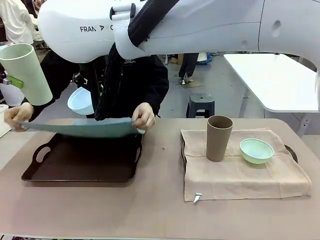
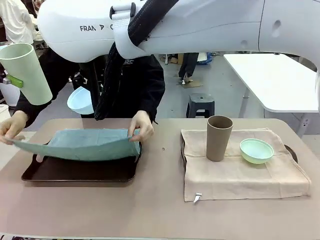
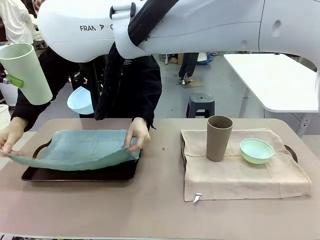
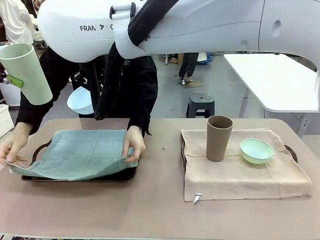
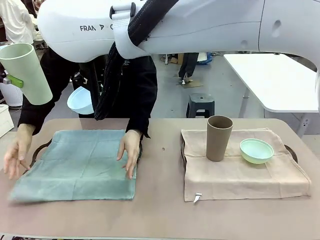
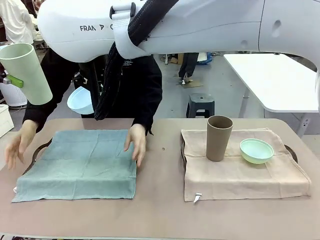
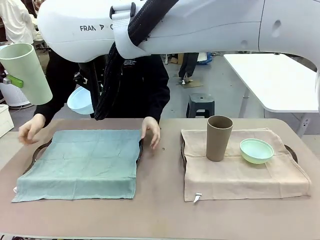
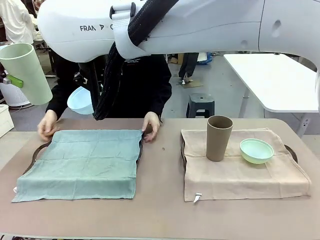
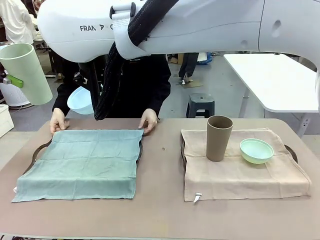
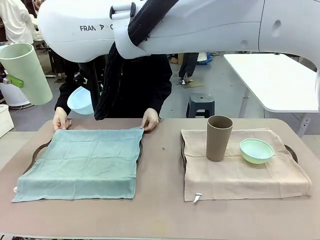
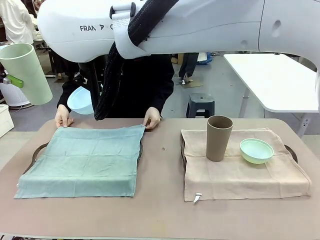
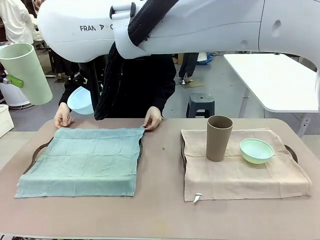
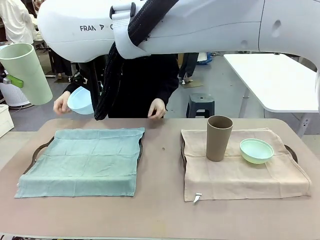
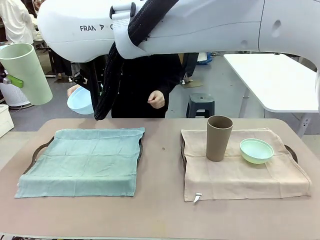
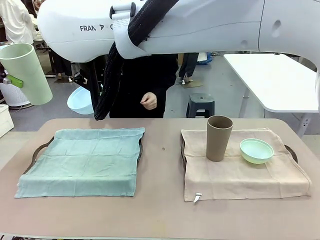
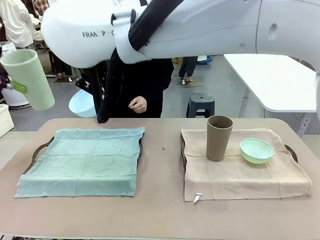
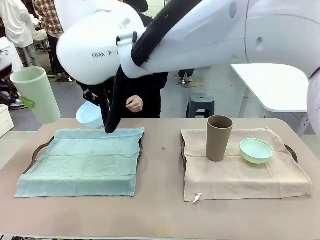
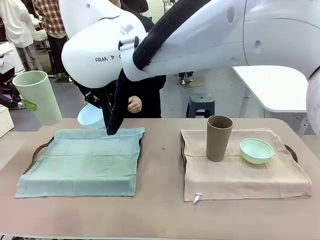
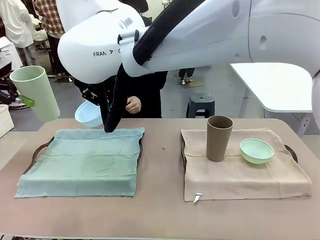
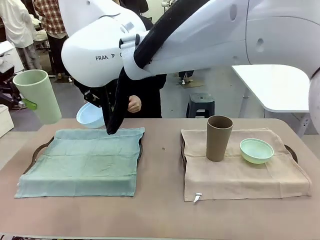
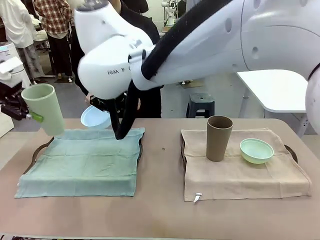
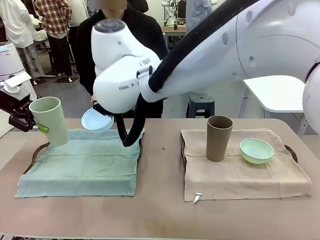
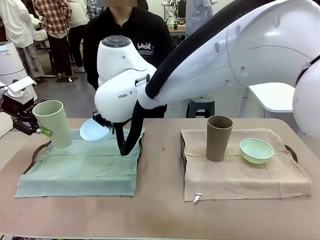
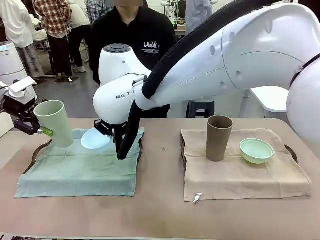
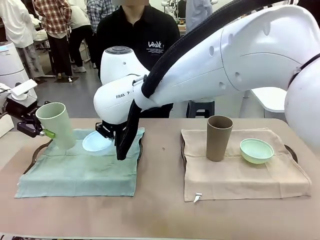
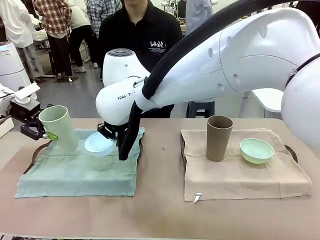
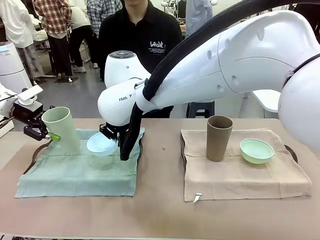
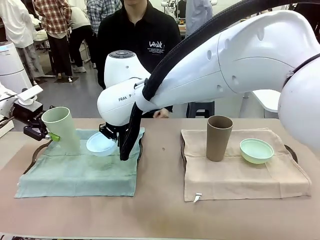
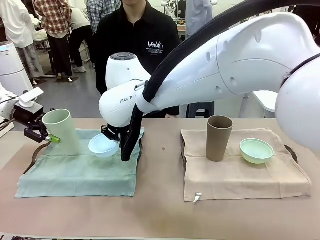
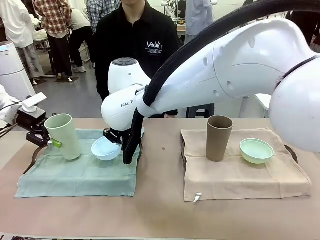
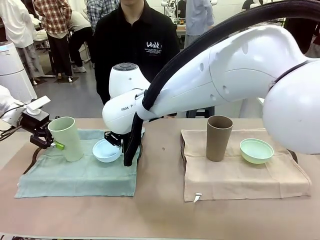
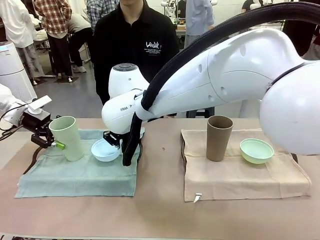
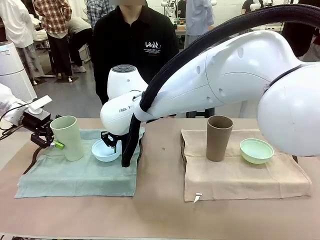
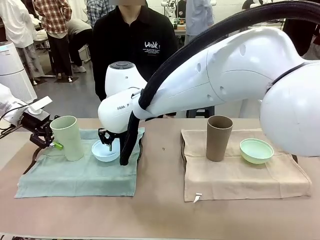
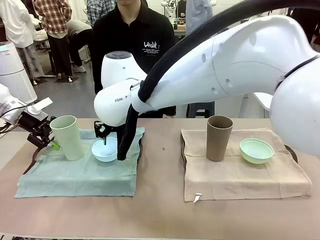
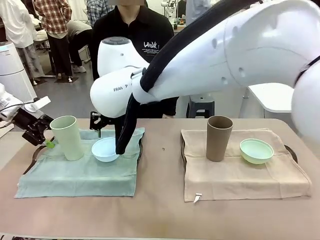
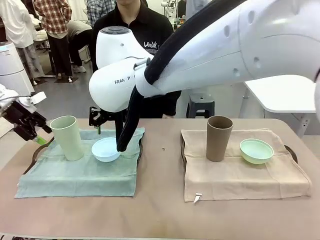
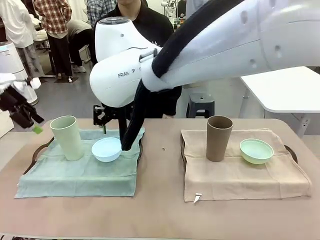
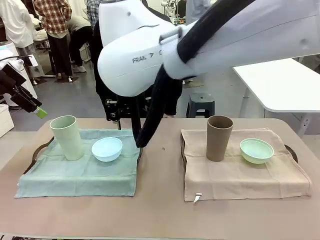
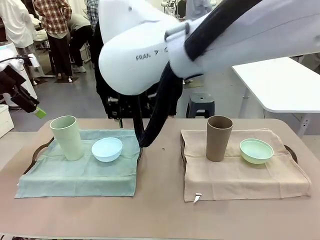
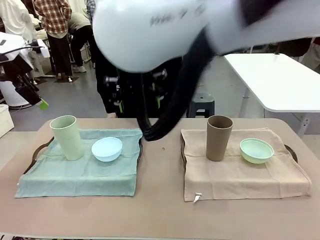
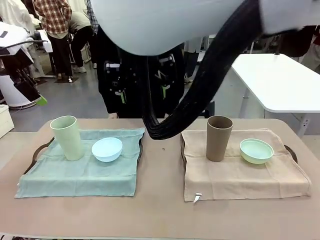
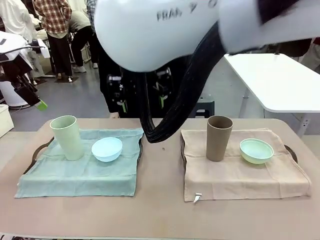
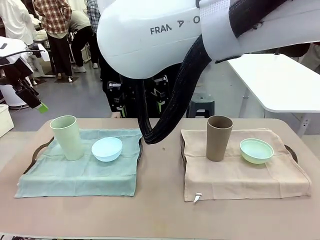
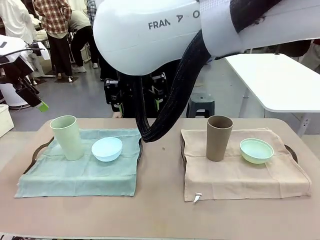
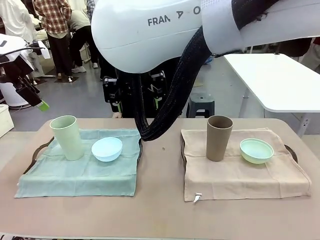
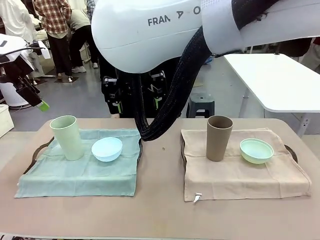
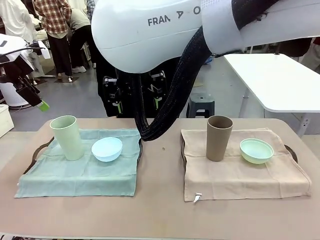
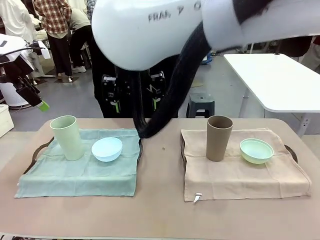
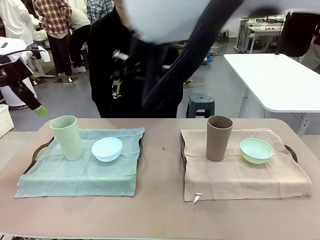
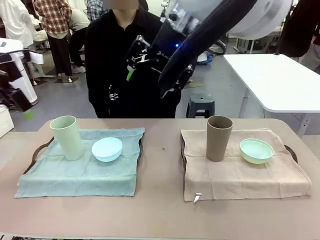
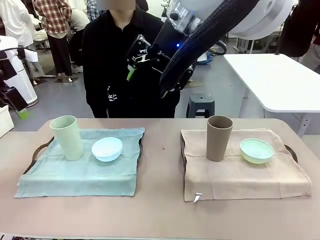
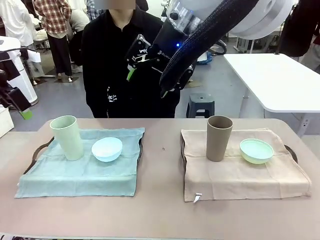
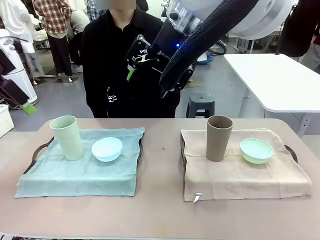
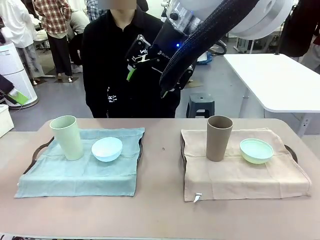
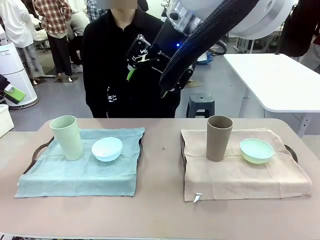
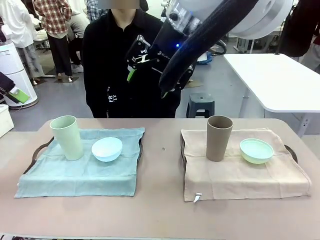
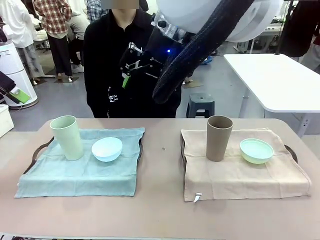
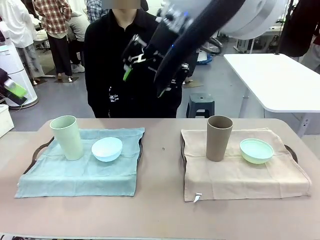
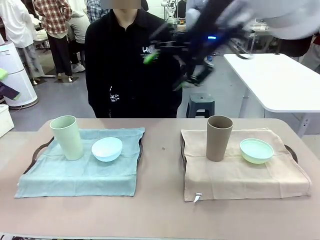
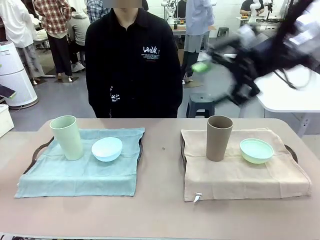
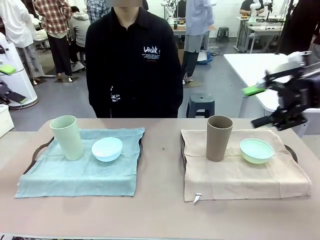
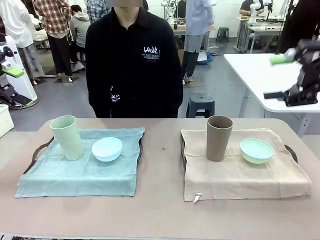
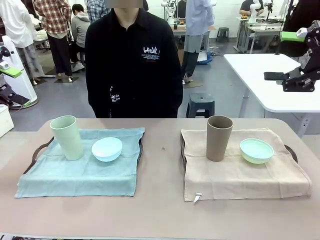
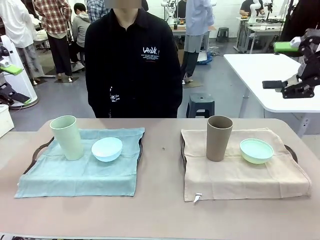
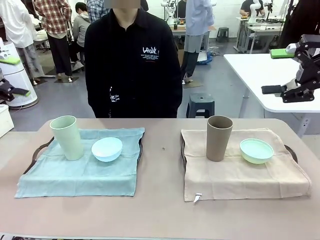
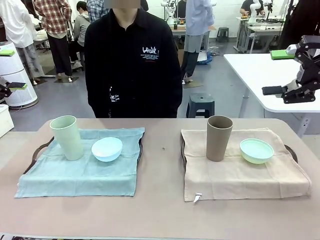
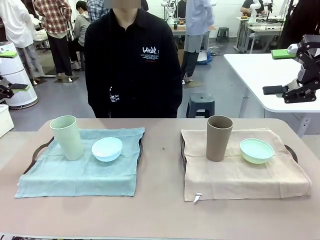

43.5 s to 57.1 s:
Robot: Place the Picnic Bowl and Reusable plastic cup back onto the Handle tray in front of the human's position.
Person: When the robot lifts the bowl and the cup, the human unfolds the napkin and lays the napkin flat on the tray.

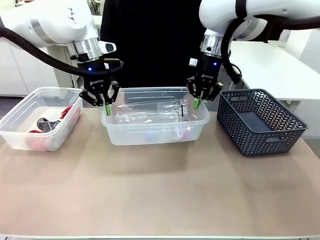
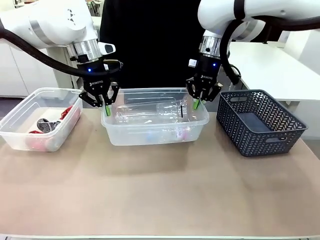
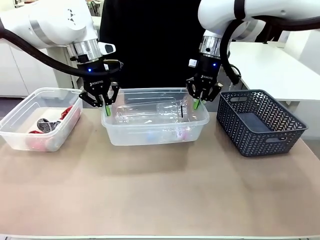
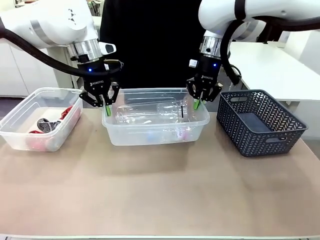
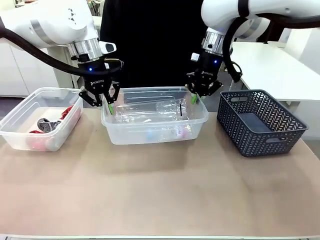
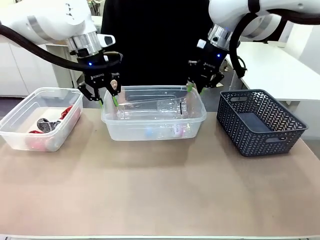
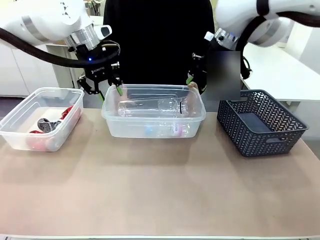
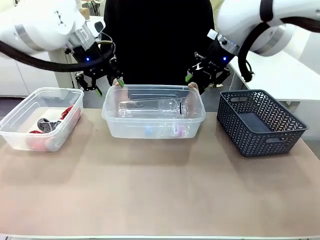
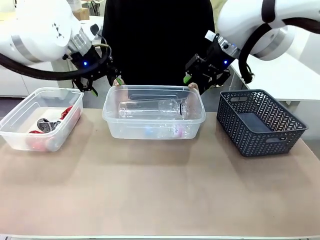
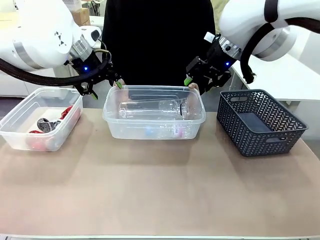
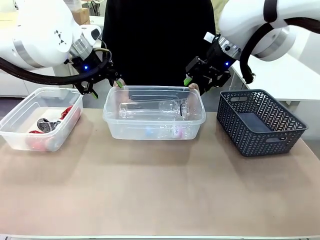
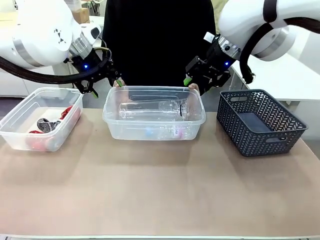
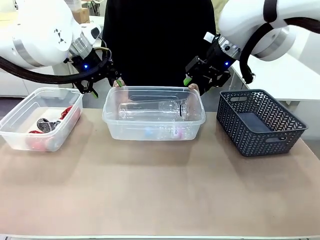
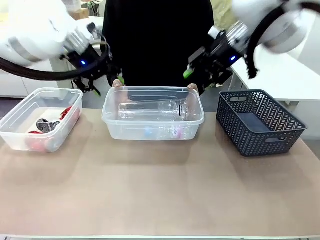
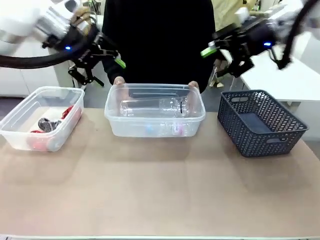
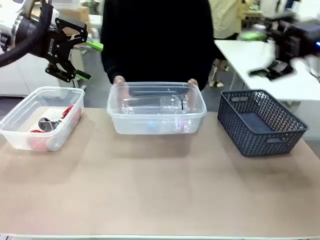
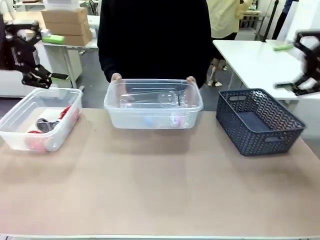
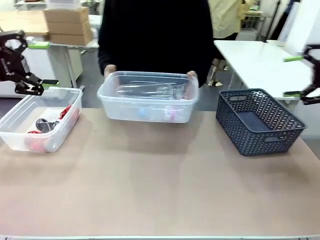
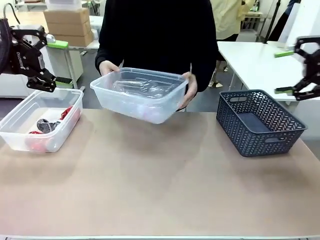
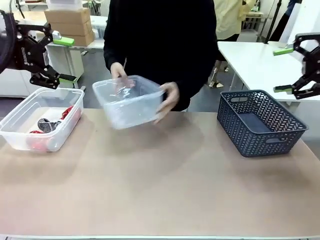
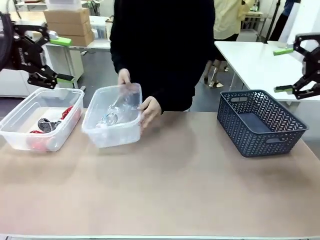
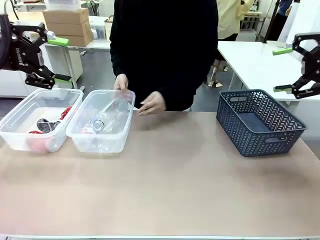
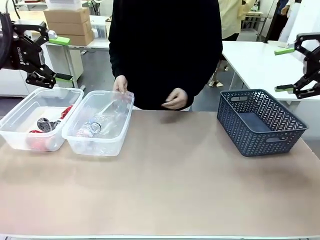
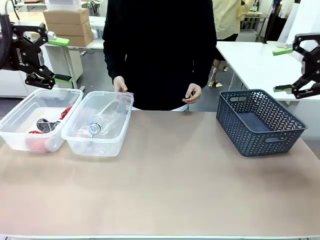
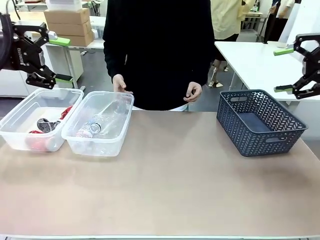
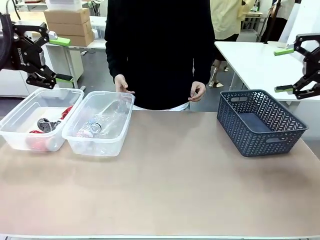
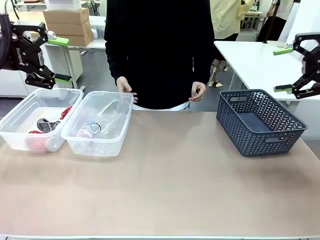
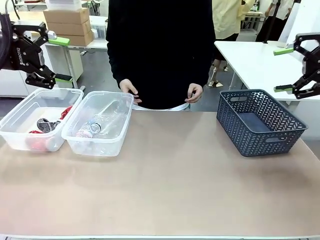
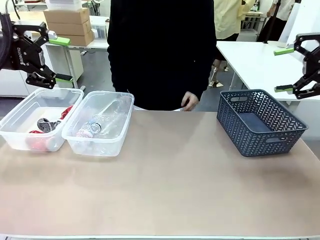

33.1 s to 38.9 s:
Robot: Release the Organizing box you were holding.
Person: Pick up the organizing box extended by the robot. Place the organizing box to the left of the sorting box containing the can waste.
